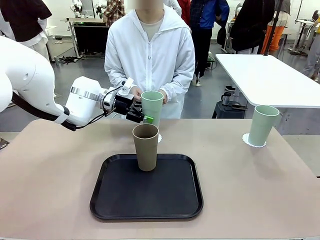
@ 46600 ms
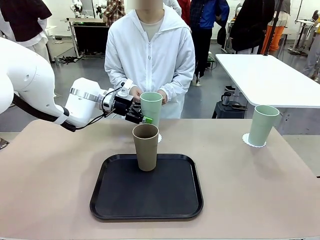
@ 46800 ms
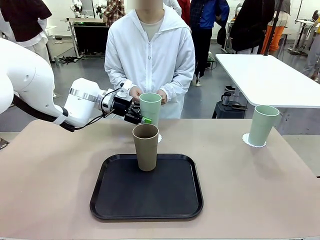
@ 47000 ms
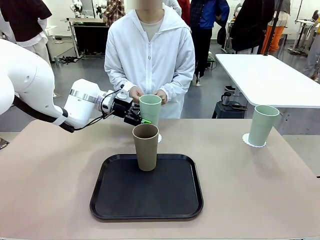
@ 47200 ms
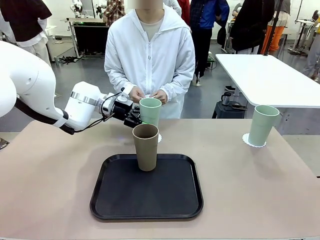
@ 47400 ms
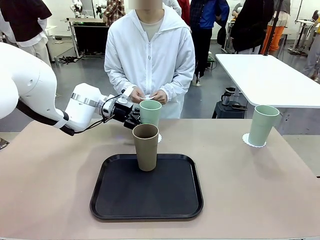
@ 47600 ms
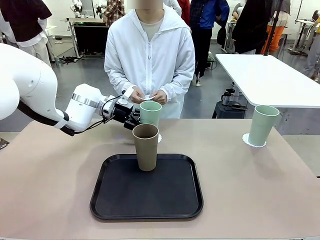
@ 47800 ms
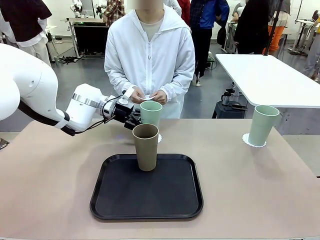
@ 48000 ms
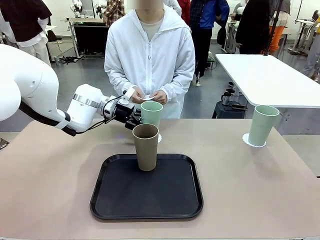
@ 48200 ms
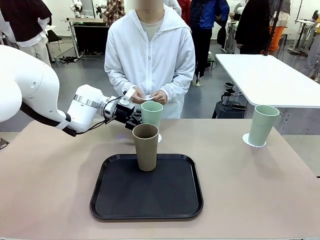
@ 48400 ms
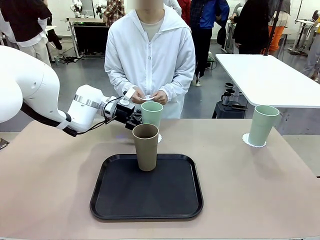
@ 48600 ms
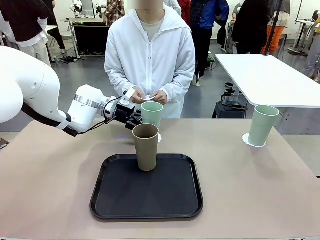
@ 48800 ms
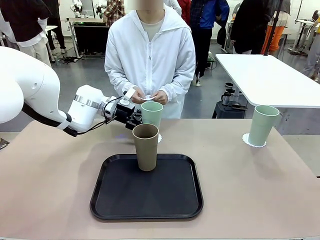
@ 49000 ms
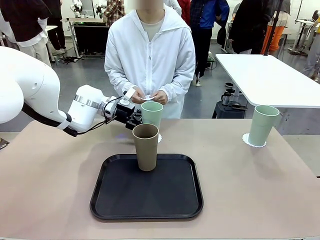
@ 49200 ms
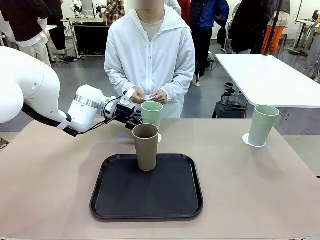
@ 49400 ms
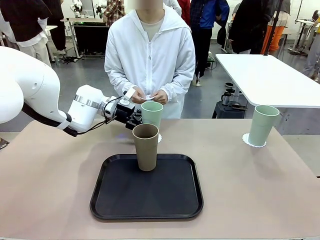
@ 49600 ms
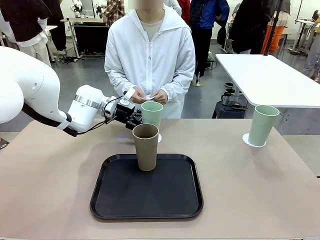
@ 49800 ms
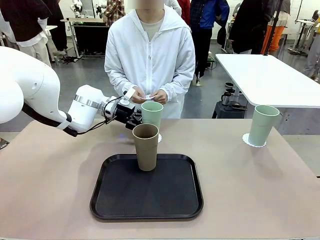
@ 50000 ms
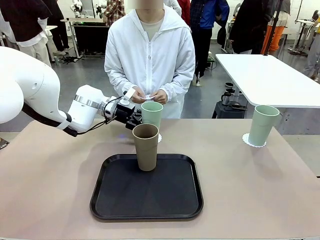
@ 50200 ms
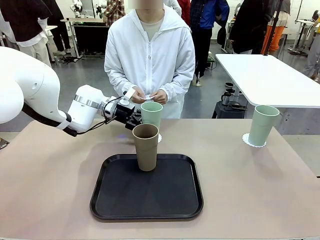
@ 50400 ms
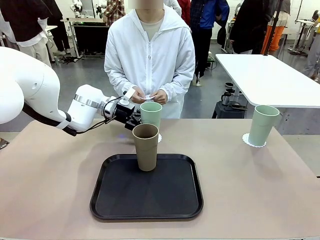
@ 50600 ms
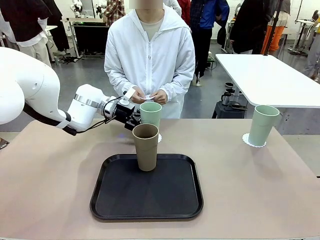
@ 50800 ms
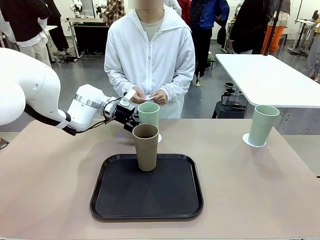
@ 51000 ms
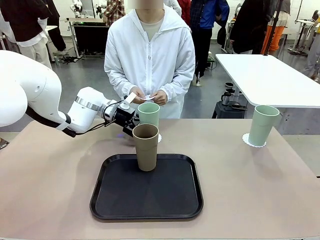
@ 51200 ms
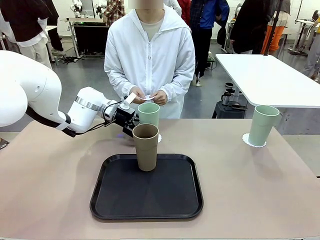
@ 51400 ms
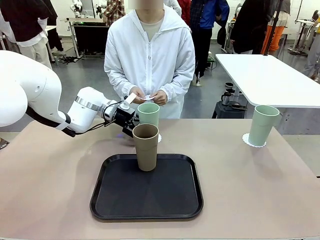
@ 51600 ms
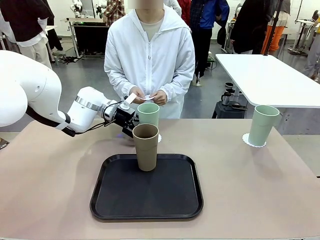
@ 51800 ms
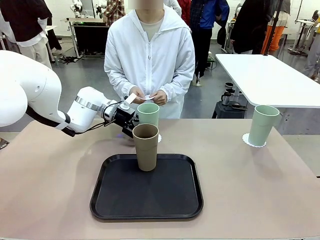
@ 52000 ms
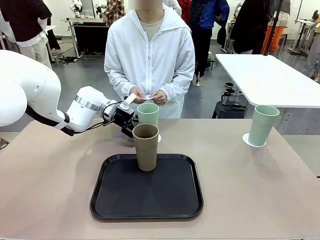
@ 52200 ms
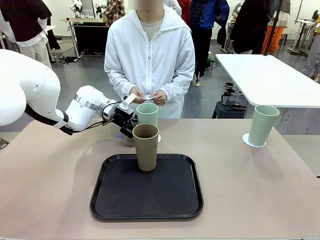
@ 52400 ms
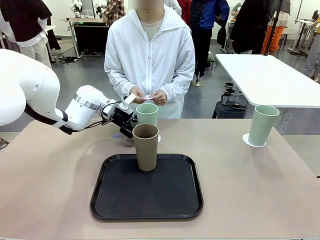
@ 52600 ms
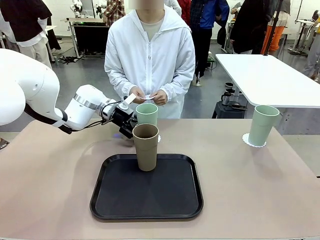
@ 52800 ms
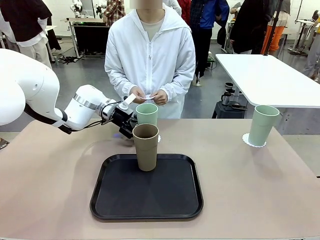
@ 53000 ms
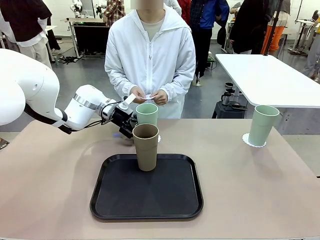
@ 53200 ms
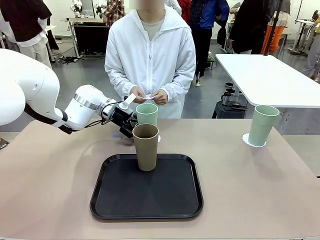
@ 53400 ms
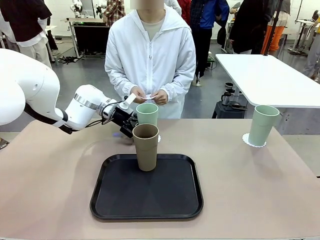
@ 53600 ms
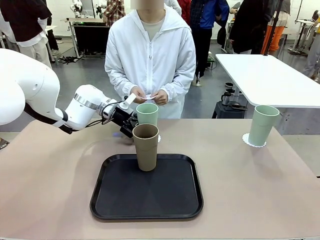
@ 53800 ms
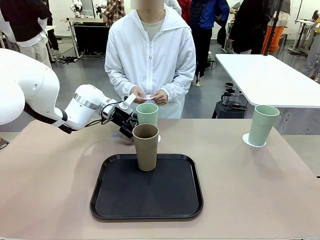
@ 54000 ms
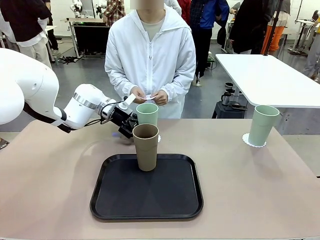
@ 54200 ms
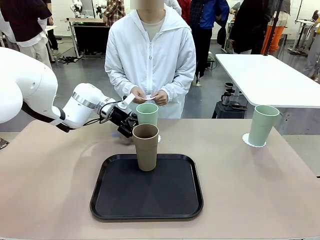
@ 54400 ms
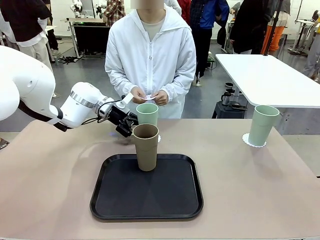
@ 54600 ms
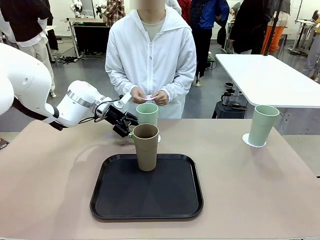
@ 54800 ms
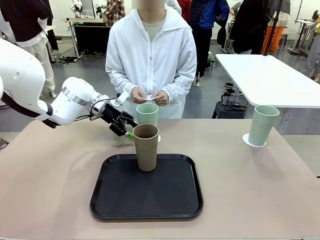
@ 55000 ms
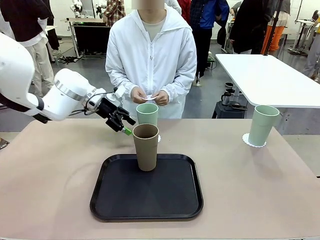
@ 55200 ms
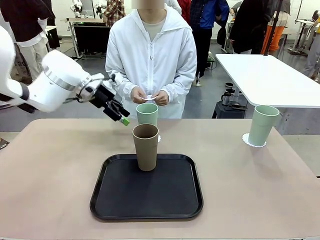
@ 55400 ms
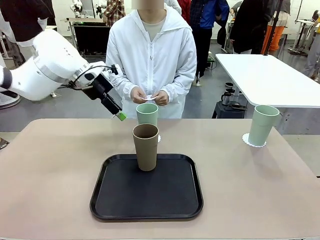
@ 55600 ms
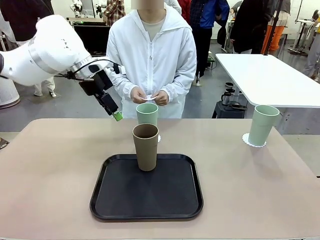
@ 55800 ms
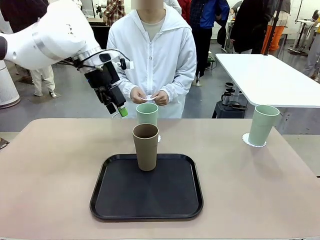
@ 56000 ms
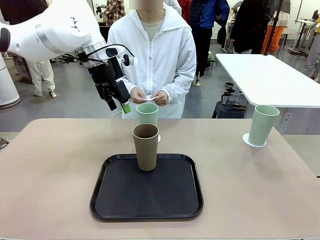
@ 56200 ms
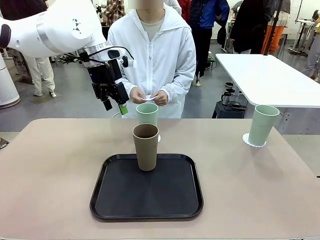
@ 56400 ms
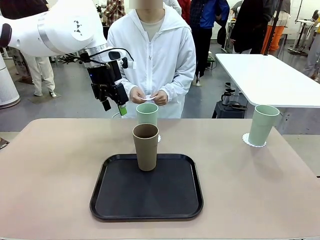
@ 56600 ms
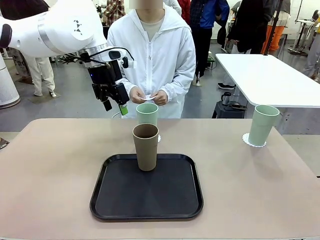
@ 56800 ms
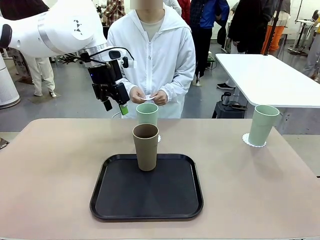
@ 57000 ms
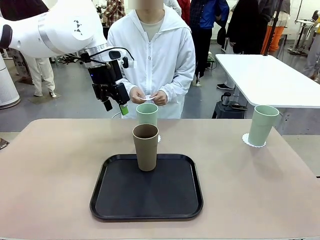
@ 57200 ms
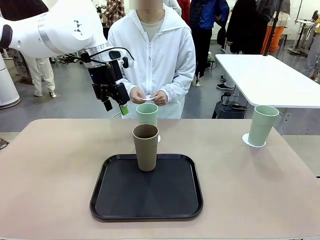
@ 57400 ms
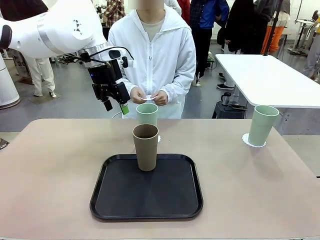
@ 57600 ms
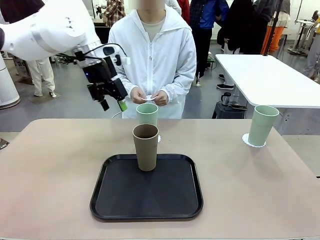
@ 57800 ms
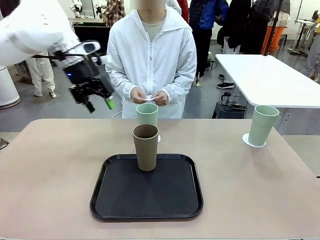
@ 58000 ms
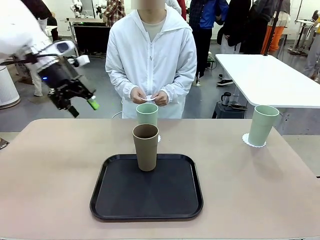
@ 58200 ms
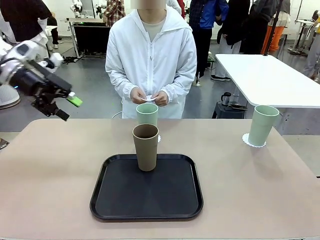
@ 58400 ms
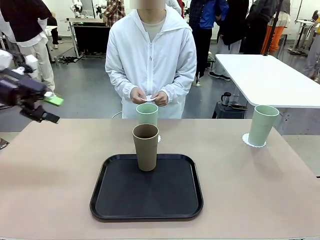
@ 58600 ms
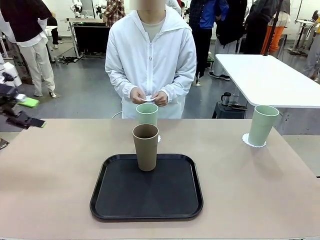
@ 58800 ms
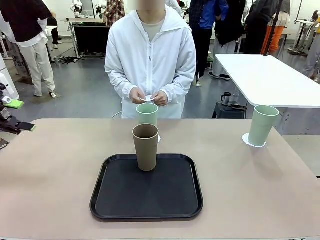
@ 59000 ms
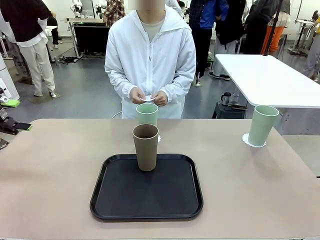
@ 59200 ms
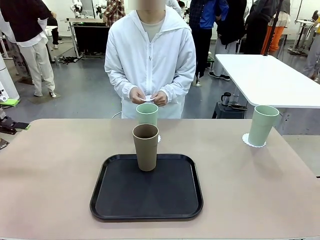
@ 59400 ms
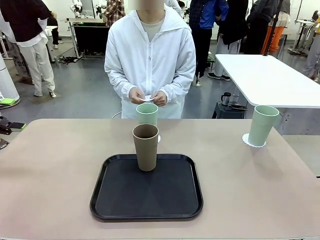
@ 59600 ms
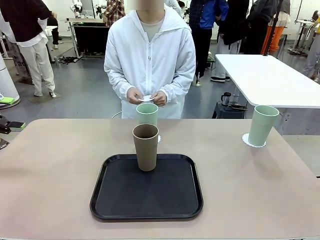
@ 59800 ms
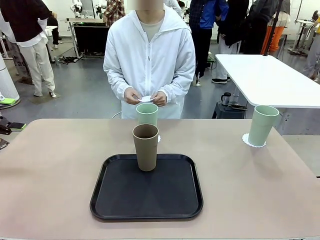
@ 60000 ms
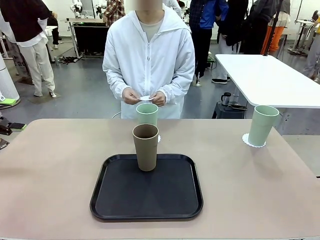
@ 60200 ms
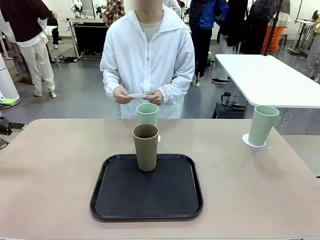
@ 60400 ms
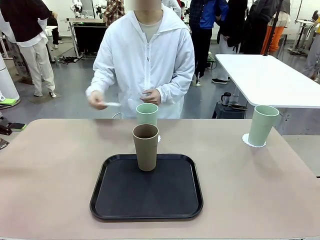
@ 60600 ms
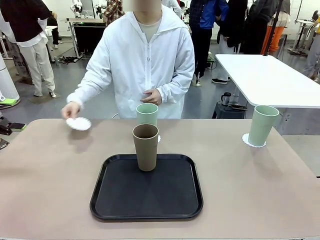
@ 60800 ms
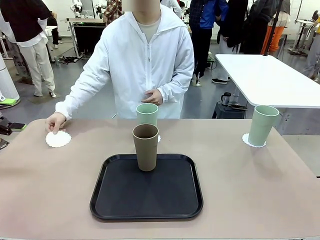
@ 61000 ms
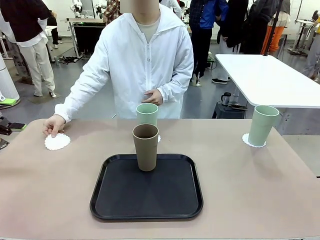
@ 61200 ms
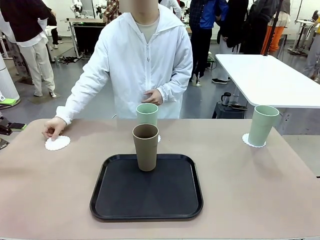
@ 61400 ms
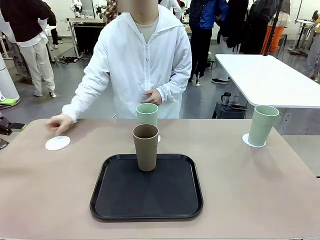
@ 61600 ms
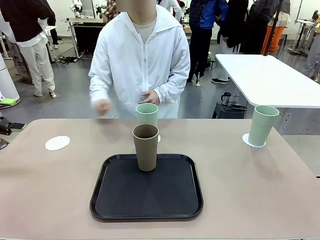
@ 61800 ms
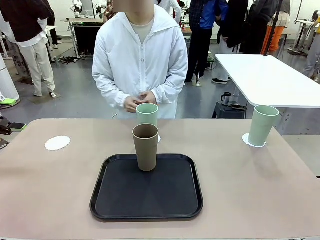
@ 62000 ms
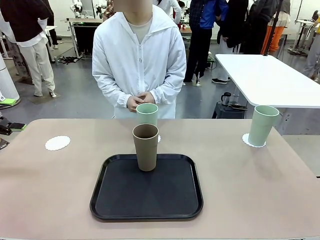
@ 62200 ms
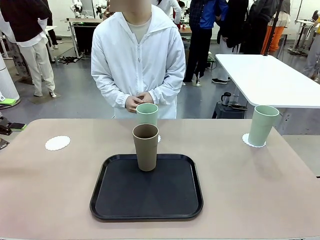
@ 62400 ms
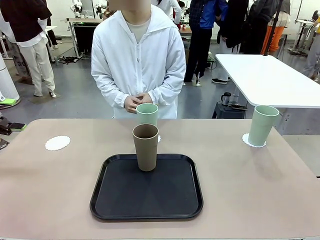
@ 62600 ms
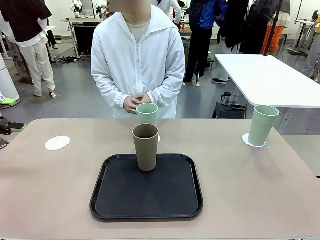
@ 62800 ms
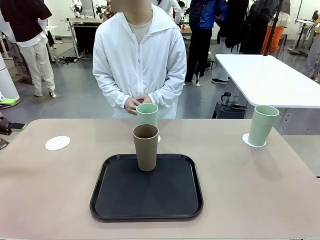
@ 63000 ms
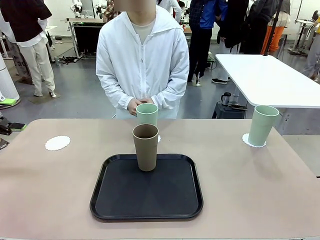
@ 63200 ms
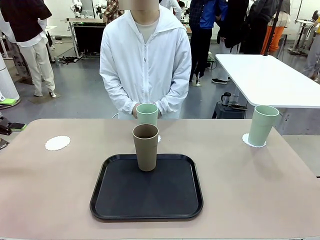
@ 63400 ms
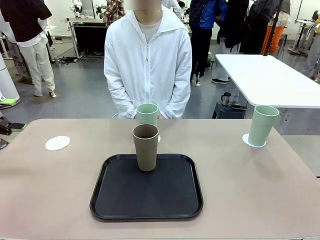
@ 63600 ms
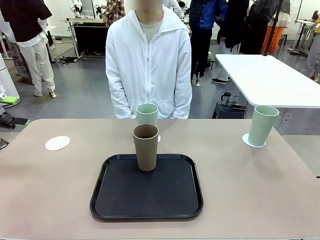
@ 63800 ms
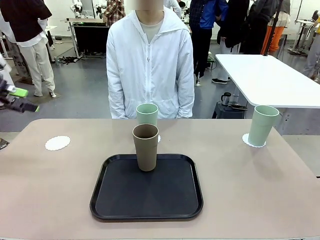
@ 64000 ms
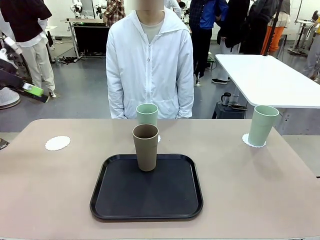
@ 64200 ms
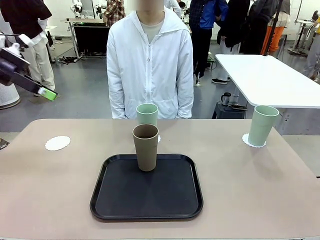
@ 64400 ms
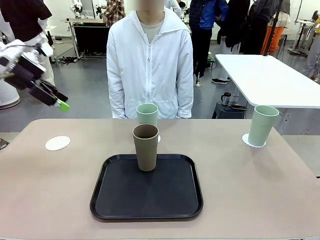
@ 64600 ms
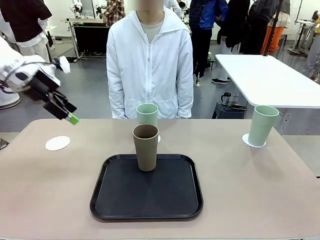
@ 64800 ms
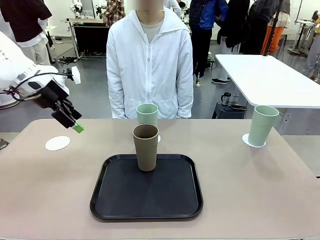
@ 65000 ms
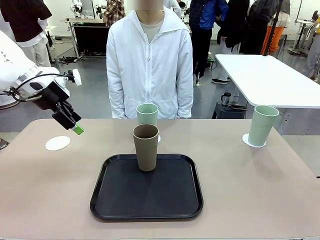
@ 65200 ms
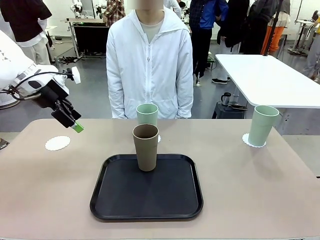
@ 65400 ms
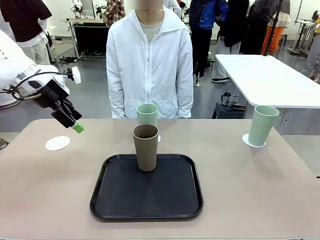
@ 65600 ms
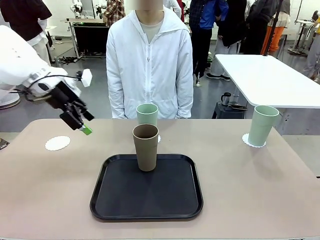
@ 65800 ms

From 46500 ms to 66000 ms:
Task: Place coasters on the table and set cups on them.
Robot: Take one Reusable plastic cup from the Flat Tray and place it on a coaster set by the human.
